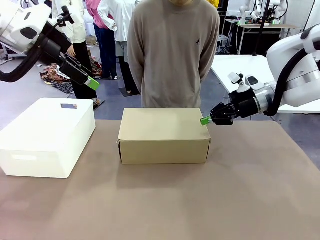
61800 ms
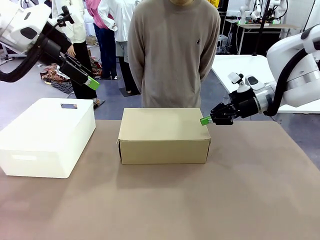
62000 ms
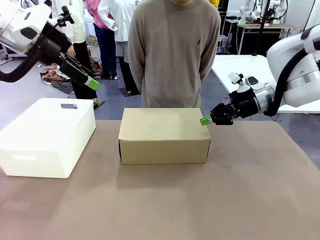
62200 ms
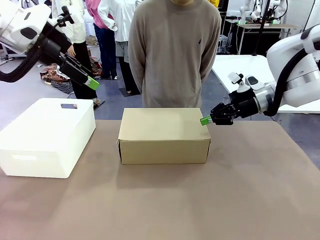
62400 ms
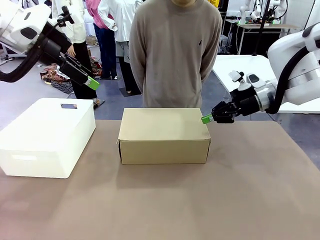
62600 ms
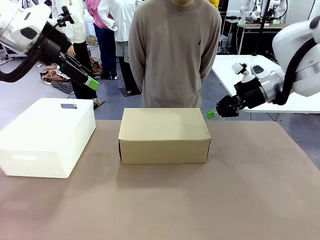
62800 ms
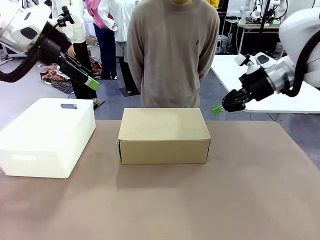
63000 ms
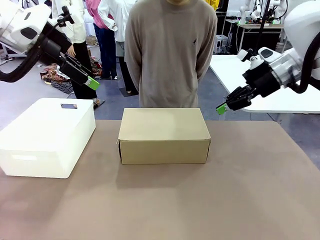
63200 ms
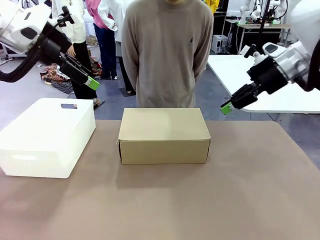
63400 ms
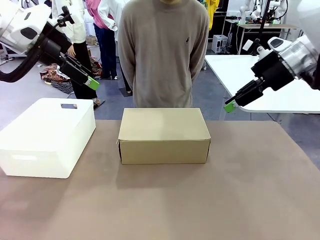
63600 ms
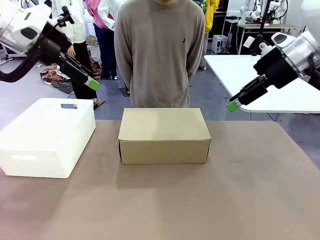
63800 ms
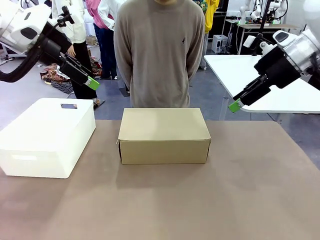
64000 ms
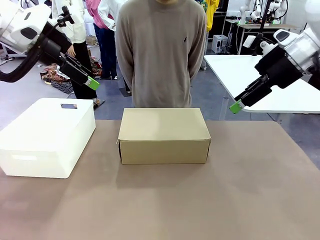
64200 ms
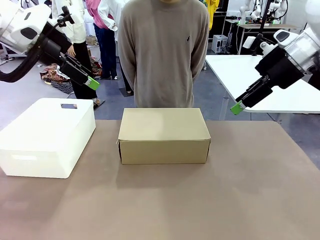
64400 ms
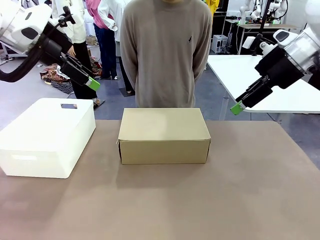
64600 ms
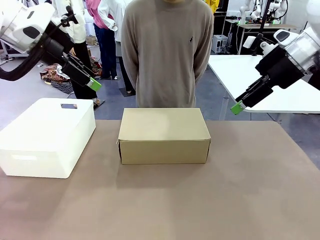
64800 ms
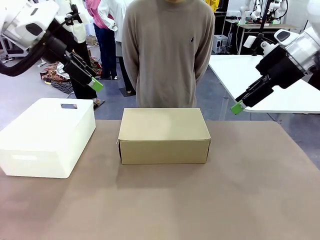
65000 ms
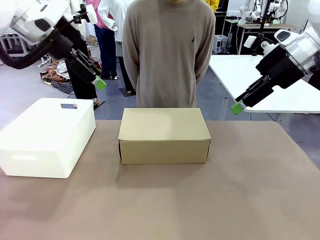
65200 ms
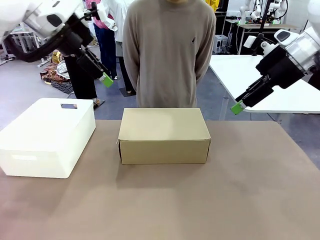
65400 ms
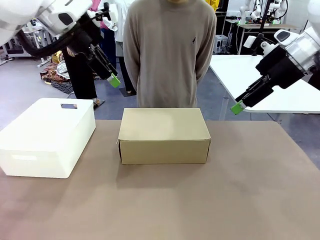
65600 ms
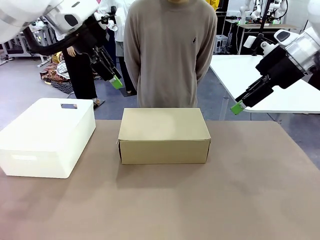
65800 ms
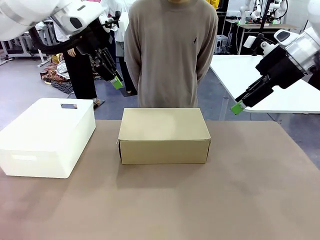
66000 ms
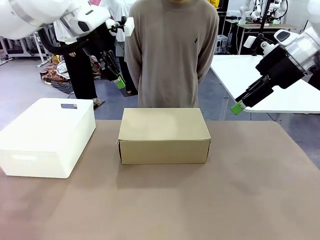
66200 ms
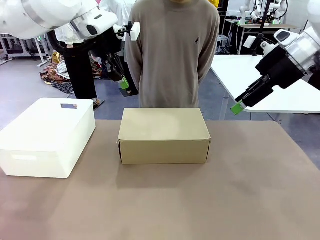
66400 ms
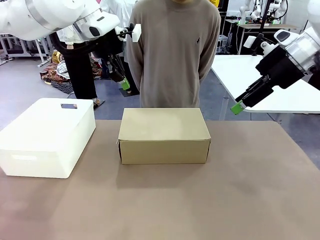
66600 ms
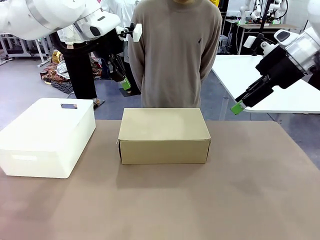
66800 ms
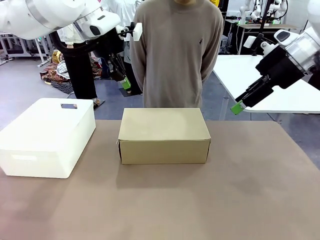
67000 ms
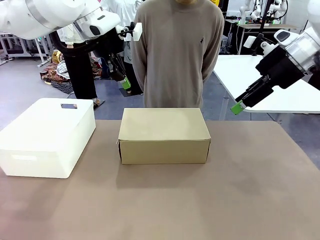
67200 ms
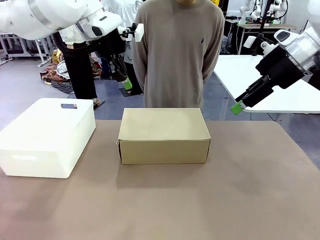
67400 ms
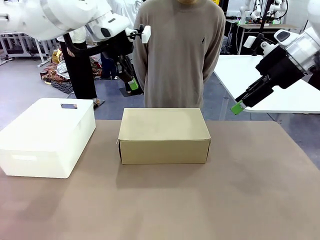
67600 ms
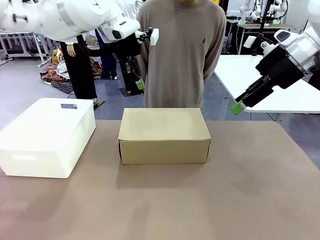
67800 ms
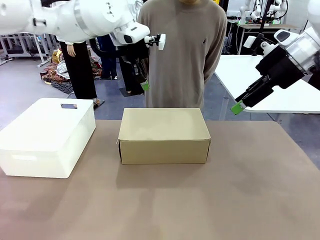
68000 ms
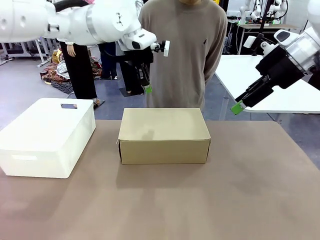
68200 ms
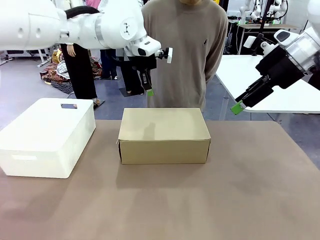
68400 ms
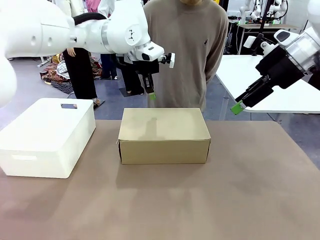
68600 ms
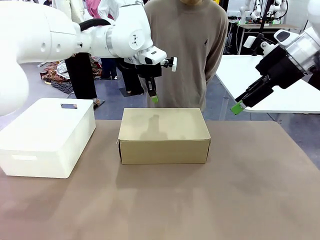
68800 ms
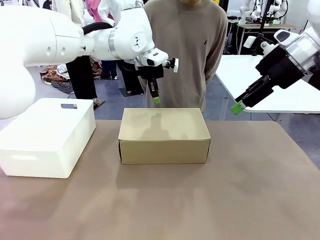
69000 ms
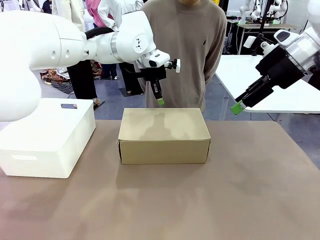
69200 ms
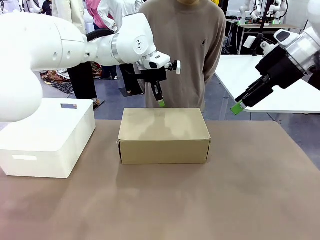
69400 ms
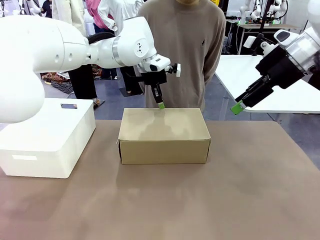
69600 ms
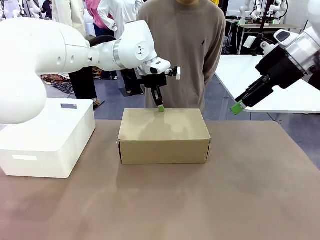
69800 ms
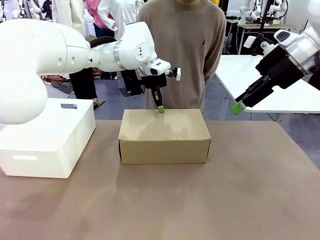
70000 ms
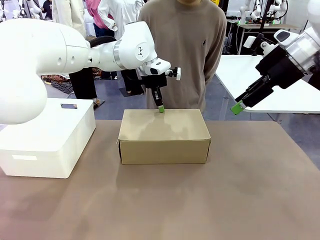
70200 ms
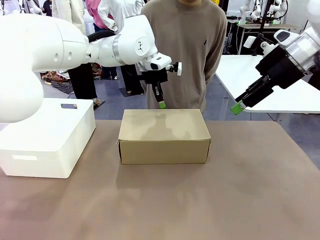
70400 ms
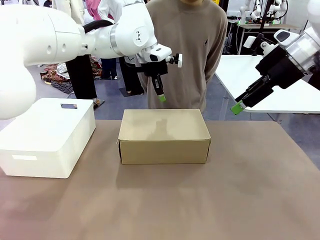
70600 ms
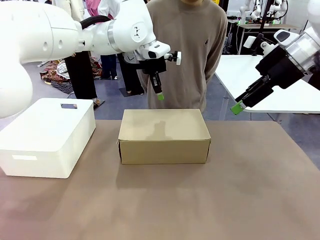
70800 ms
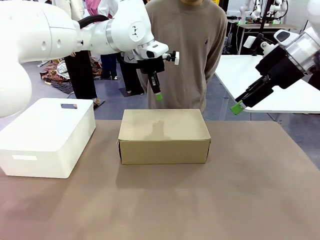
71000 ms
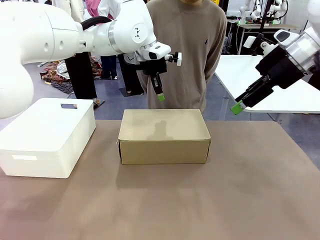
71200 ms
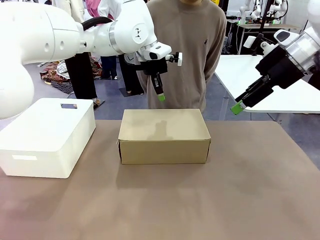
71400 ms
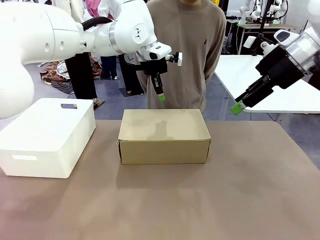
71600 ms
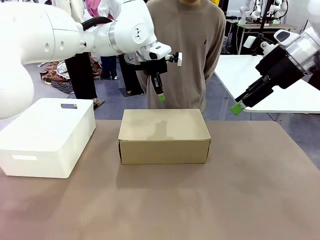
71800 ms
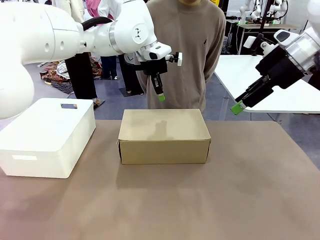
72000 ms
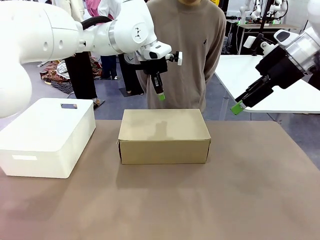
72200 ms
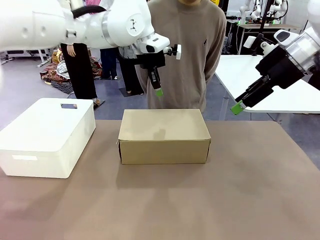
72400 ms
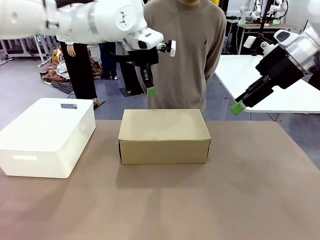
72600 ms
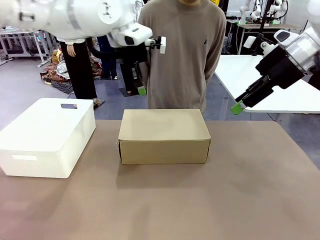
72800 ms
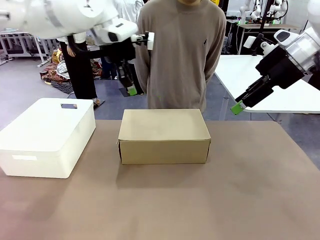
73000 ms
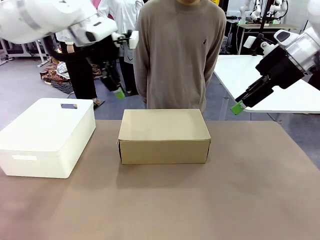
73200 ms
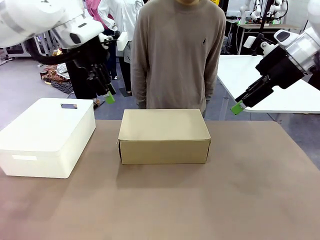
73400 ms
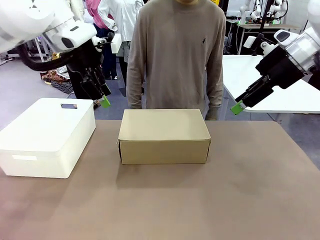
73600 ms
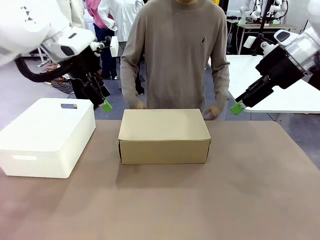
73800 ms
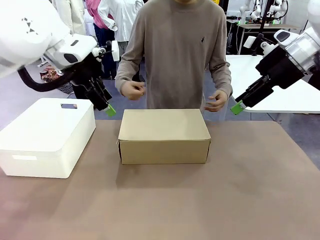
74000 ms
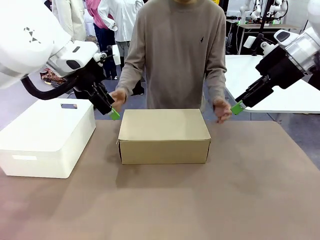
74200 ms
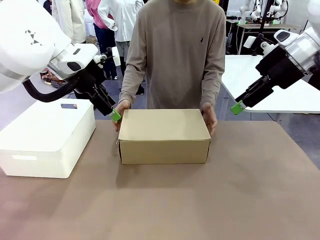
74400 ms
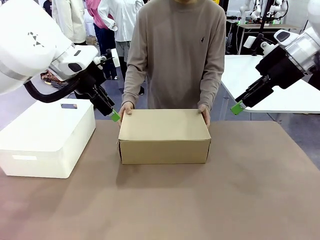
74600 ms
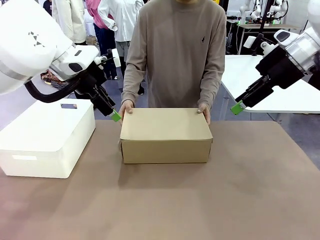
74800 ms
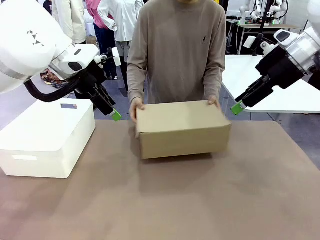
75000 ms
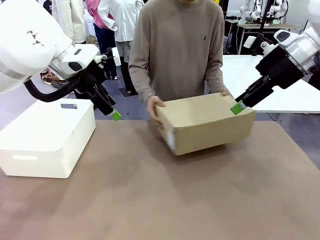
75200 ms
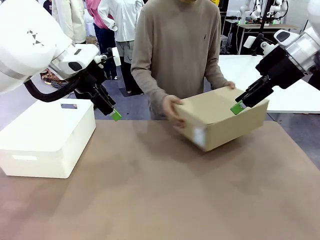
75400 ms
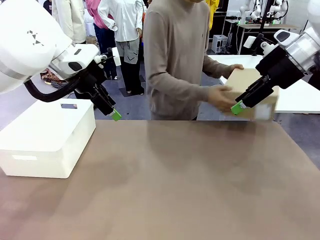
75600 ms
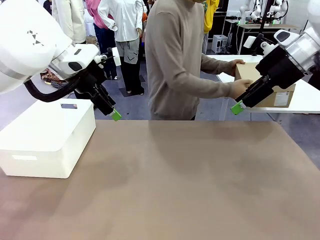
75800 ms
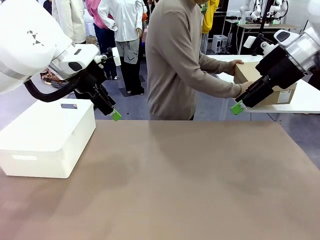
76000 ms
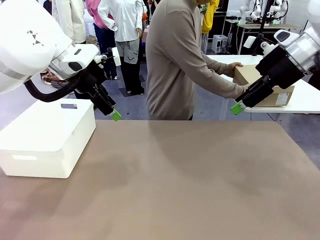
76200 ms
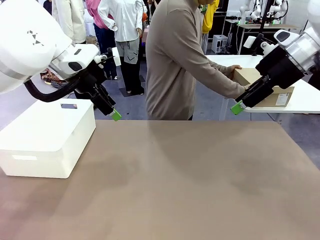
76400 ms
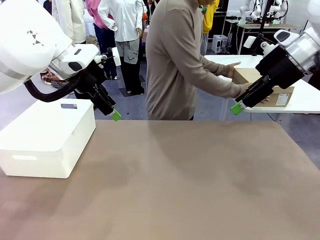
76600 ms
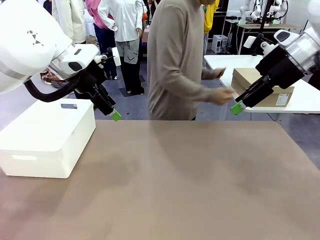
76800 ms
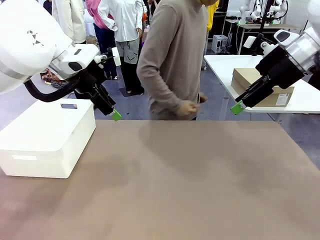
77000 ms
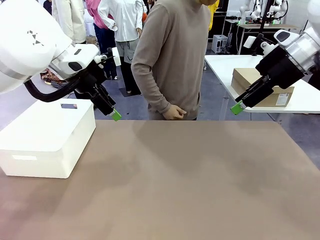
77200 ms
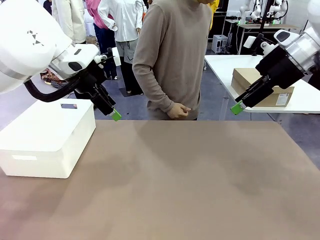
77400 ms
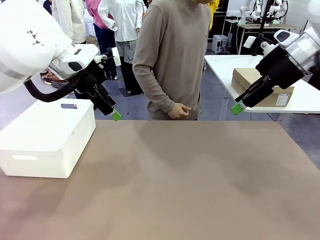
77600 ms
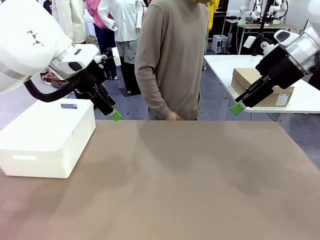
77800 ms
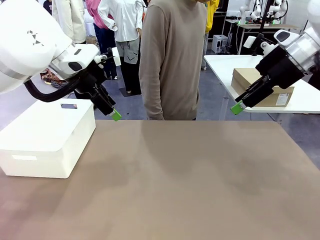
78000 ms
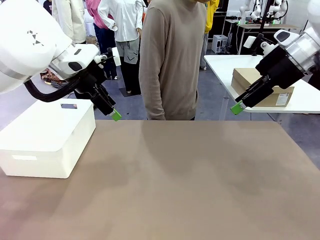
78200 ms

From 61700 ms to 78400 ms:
Task: Pack the shoes into the box.
Robot: Press down on the lid of the Shoes Box.
Person: Place the closed Shoes Box to the right side of the human table.
